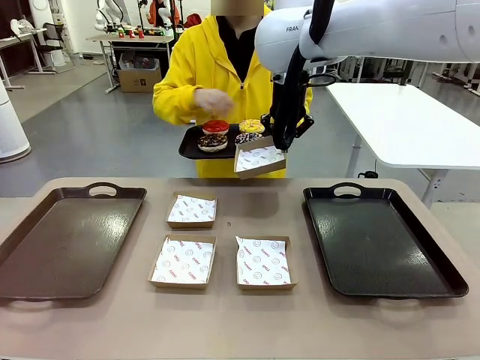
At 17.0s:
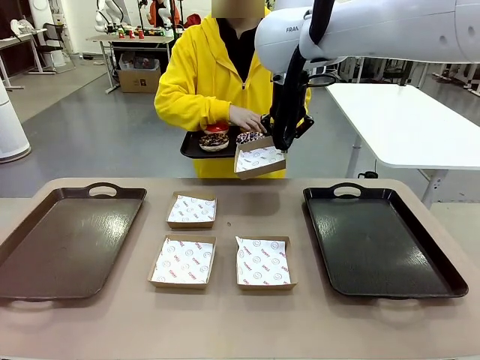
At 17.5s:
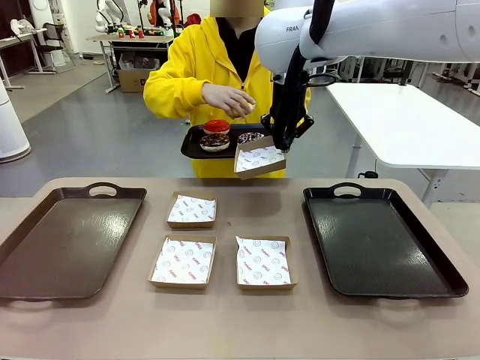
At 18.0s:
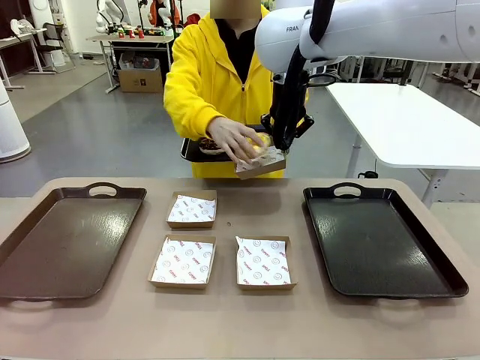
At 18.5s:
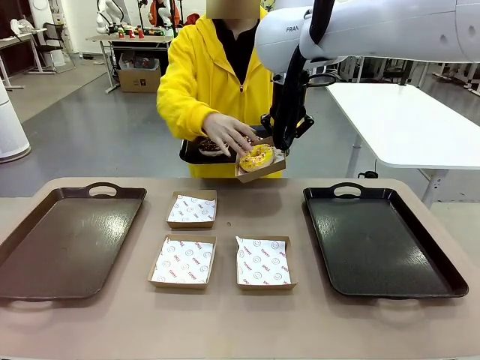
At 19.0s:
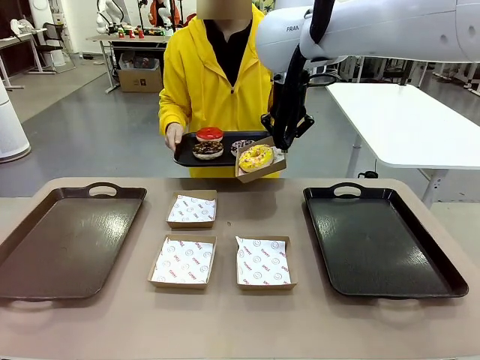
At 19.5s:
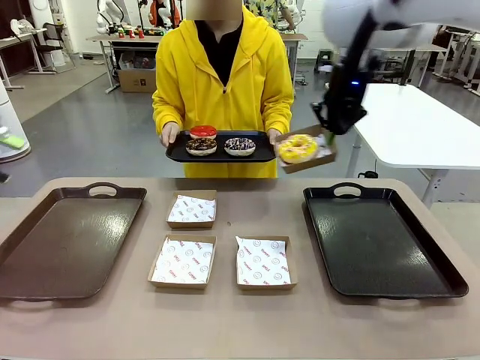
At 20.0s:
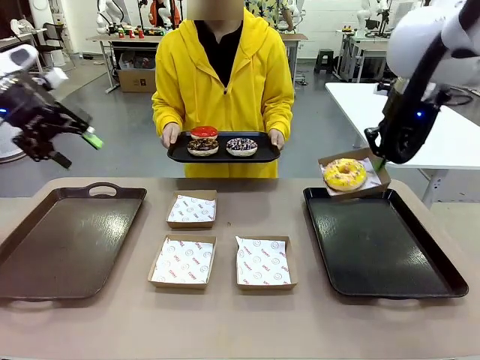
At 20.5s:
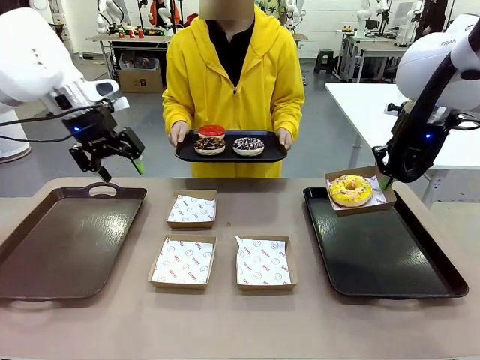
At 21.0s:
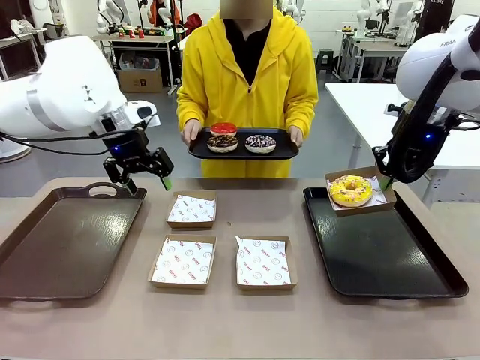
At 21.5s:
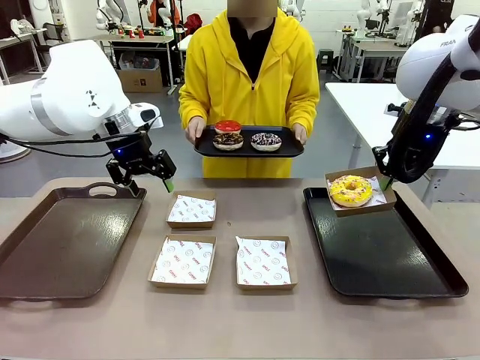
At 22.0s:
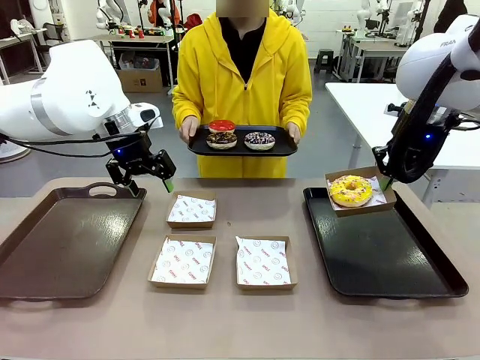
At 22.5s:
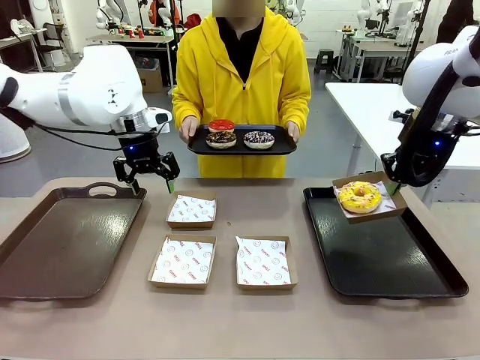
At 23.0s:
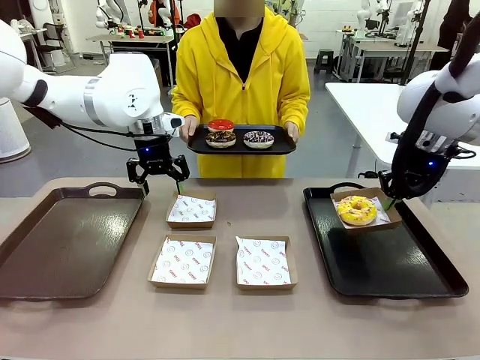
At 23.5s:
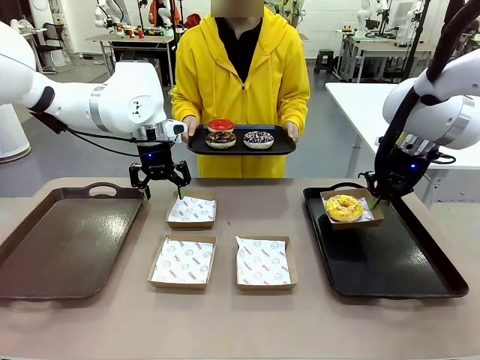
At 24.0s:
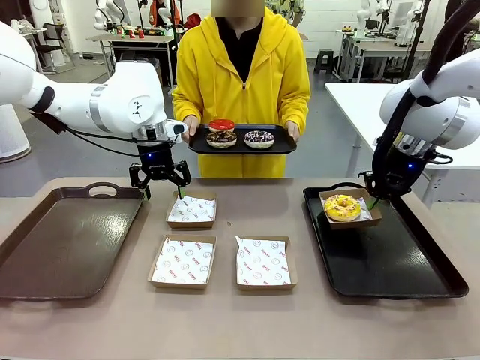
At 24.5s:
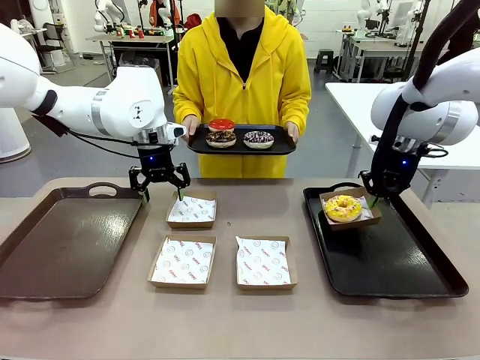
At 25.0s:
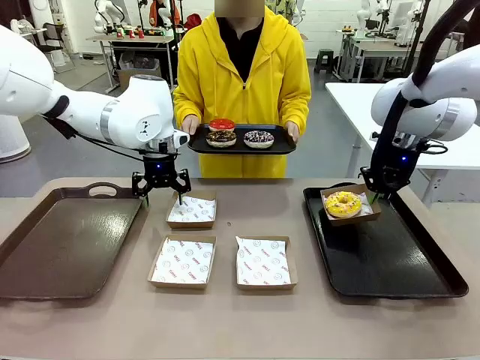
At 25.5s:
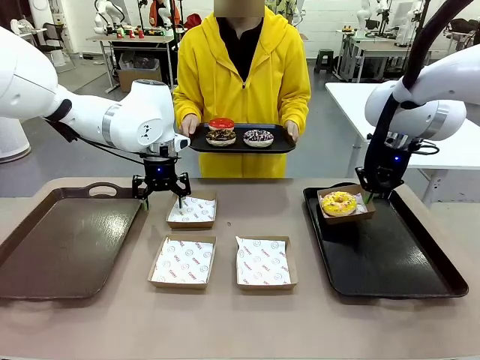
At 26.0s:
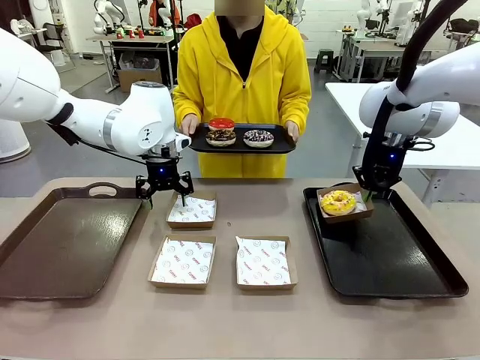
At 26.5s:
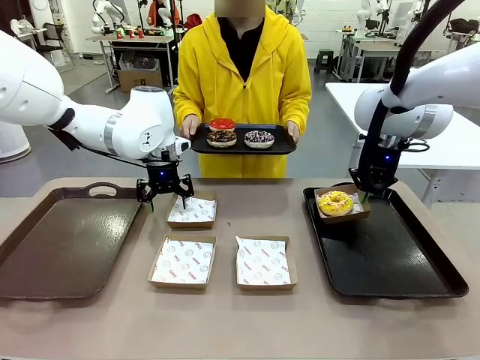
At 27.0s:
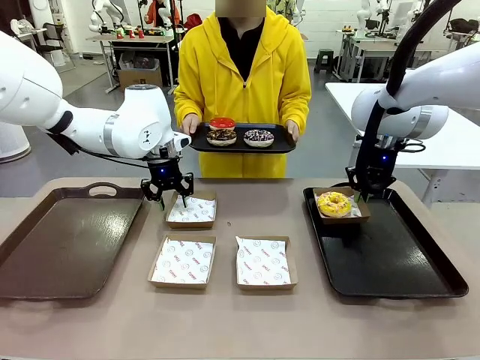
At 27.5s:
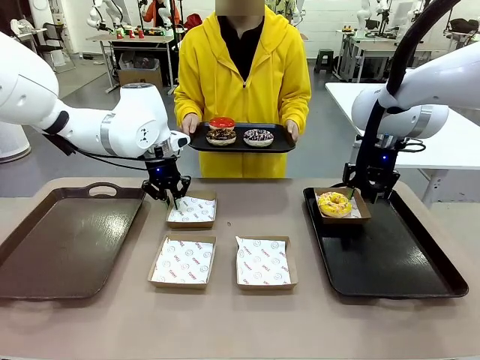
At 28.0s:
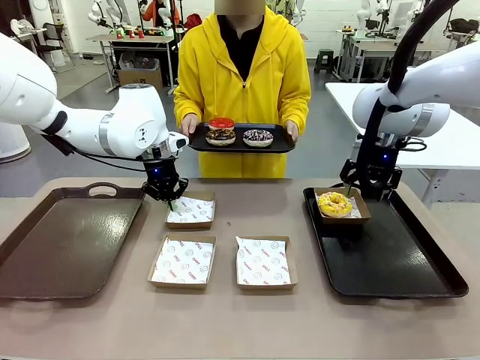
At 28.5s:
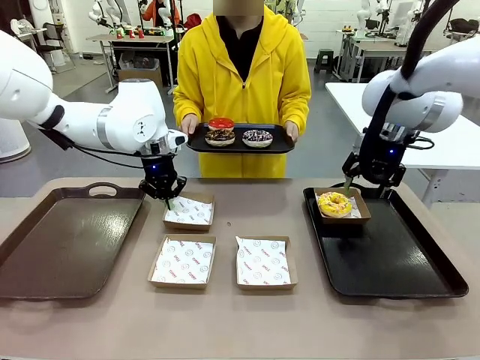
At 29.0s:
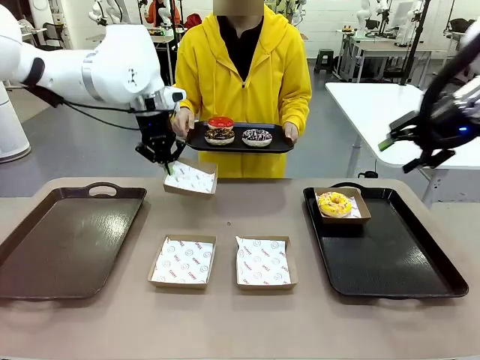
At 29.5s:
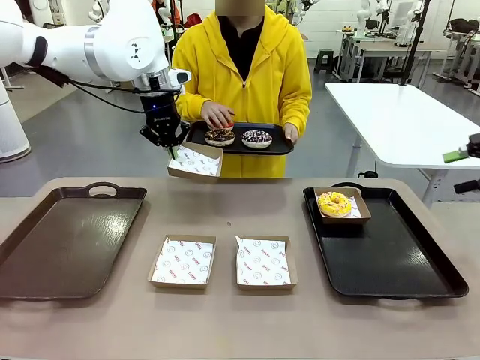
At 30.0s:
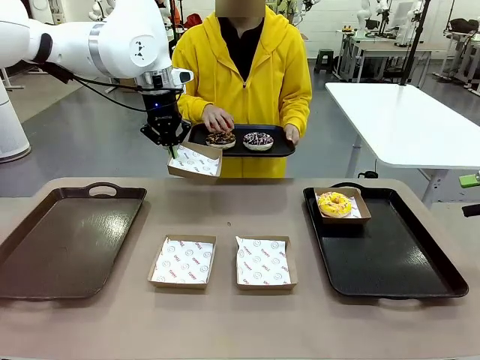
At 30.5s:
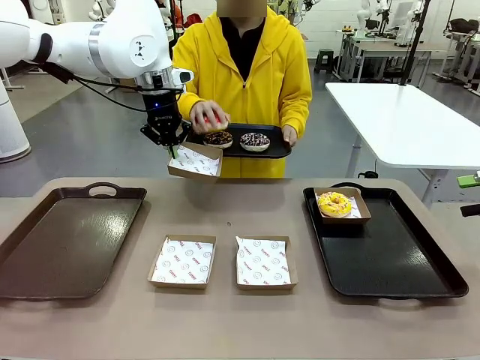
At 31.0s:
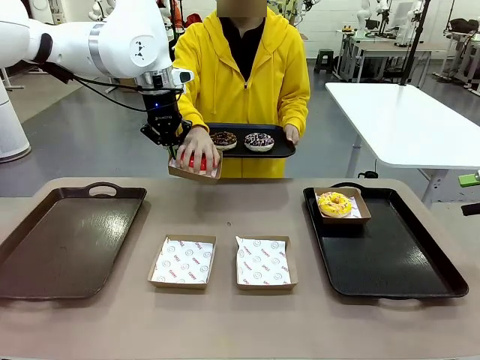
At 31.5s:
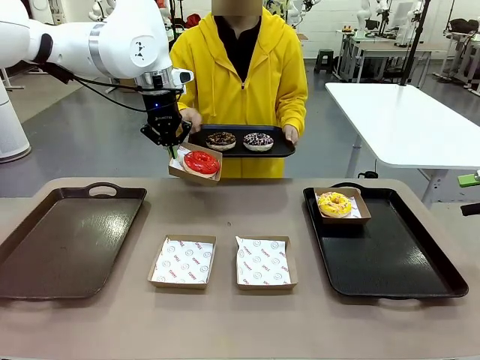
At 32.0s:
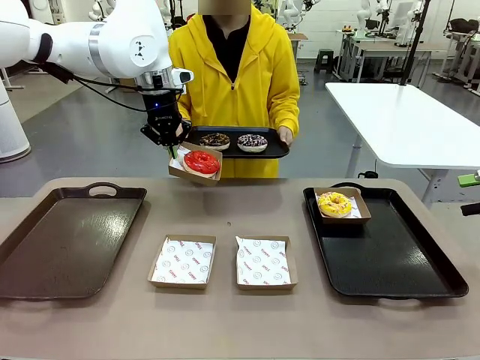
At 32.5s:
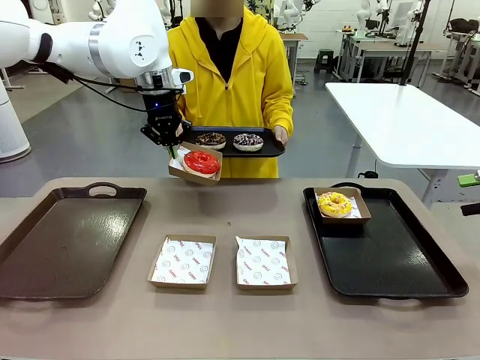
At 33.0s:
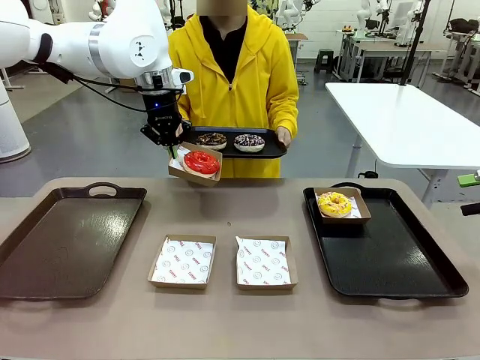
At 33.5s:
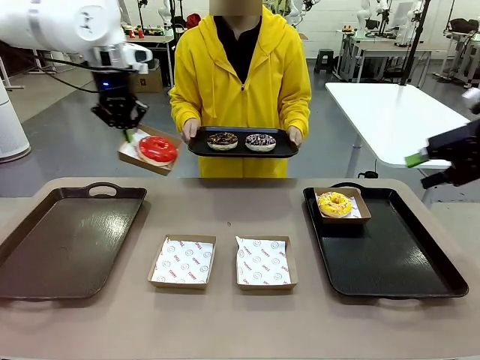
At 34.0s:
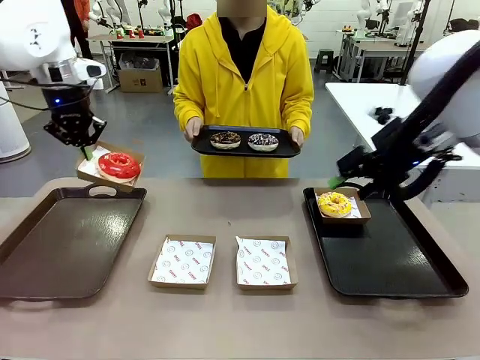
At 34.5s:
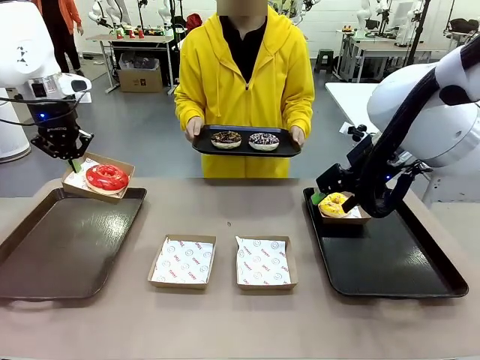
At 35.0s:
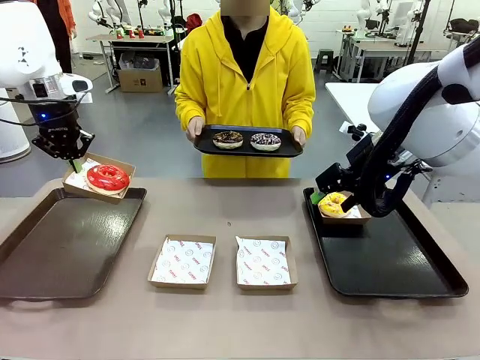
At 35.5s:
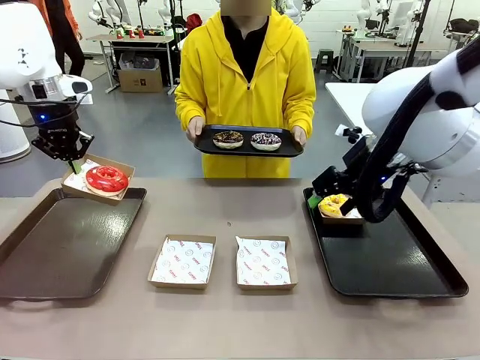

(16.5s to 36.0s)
Task: Individually package the donuts and arrange them on the tray.
Robot: Place the picked Paper togo box on the Handle tray while simultaneously picking up another Paper togo box from the table with the other hand.
